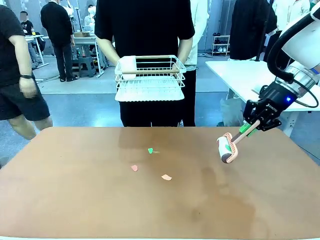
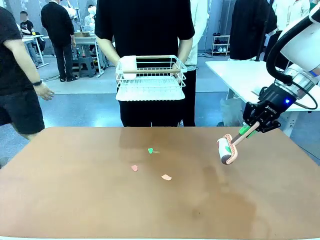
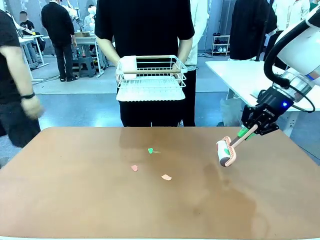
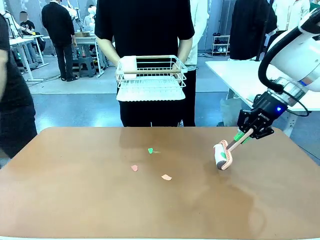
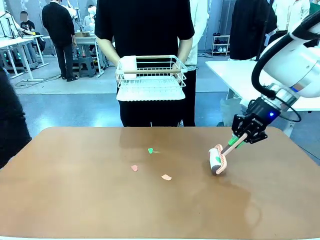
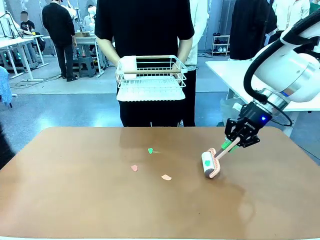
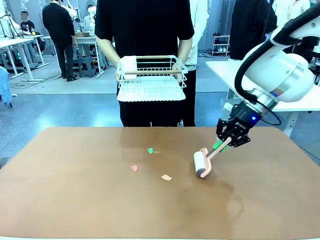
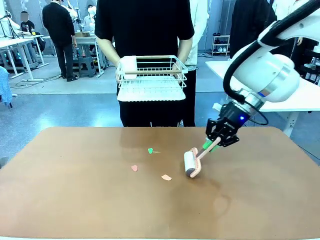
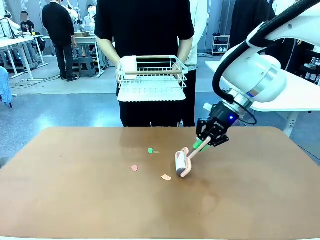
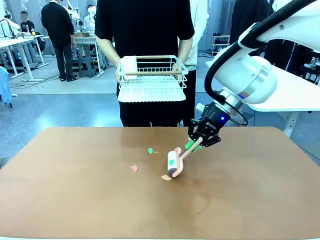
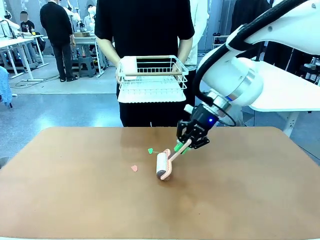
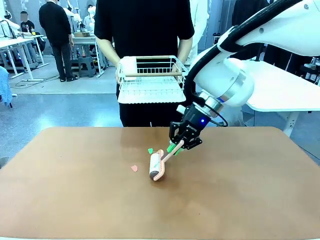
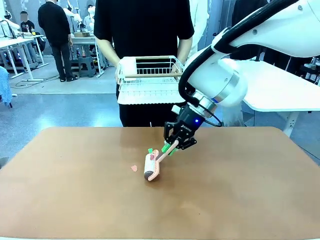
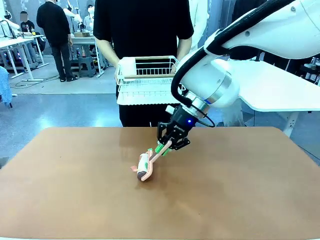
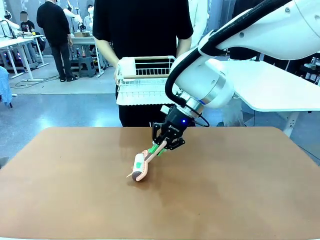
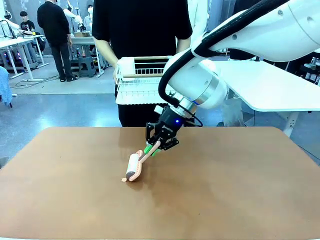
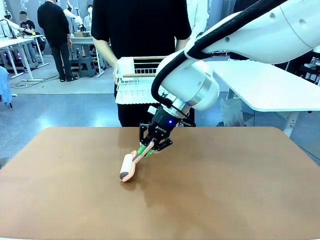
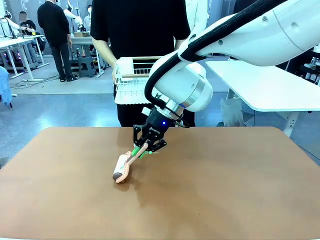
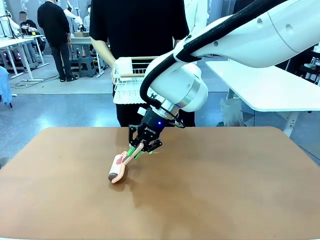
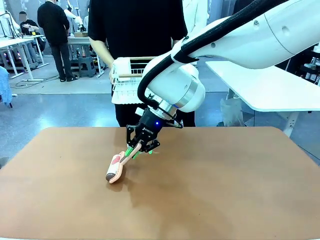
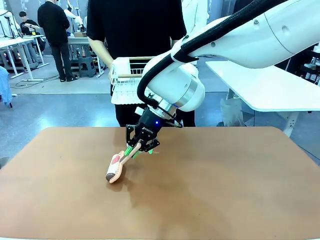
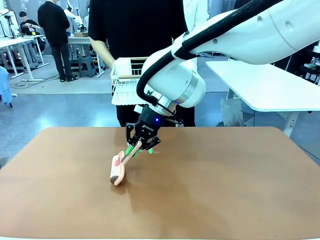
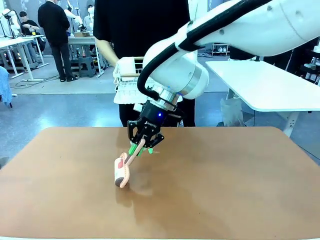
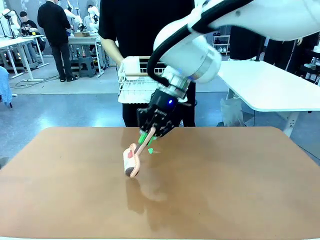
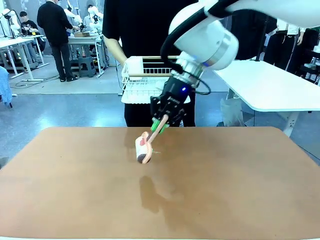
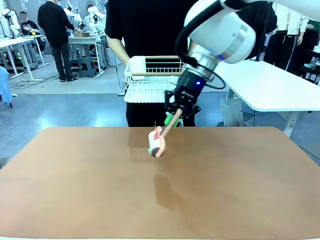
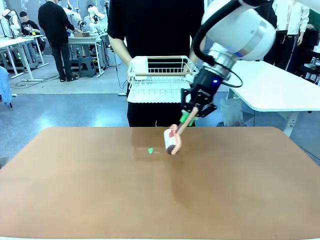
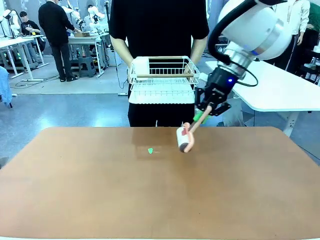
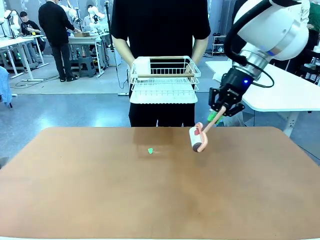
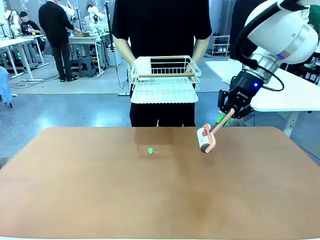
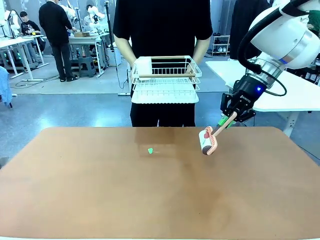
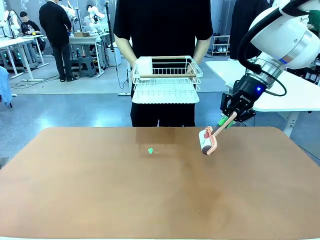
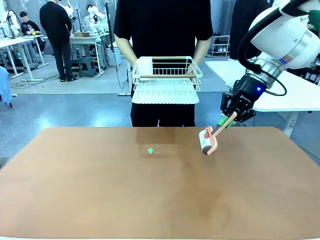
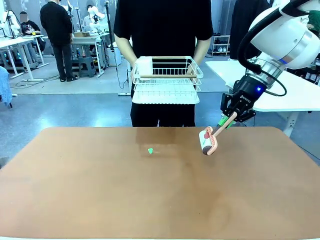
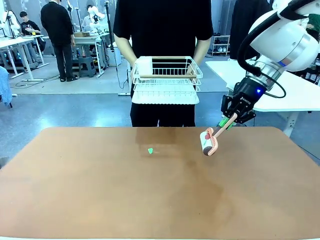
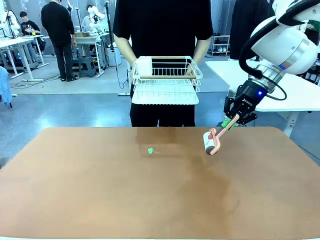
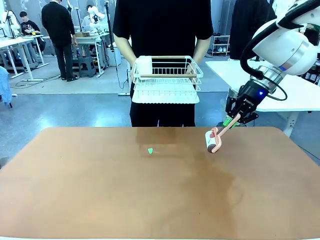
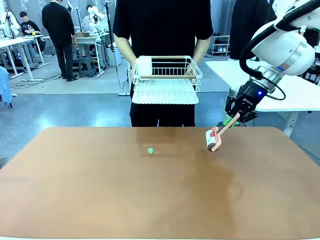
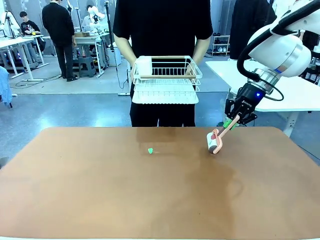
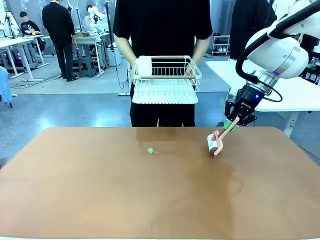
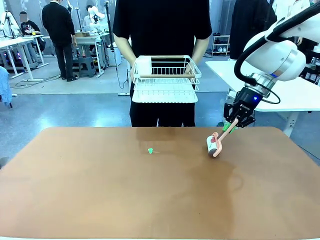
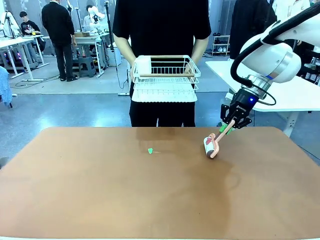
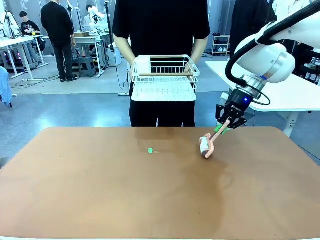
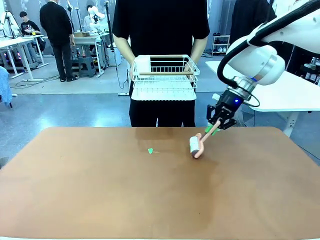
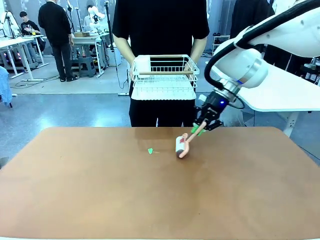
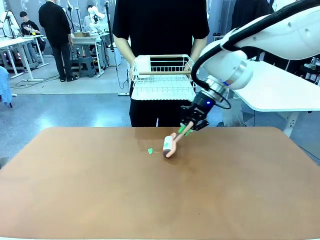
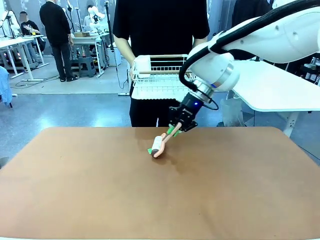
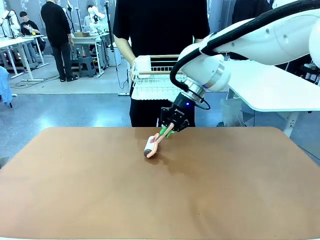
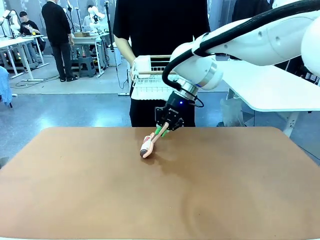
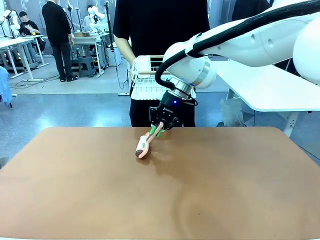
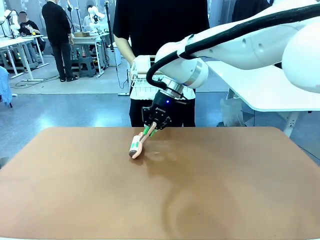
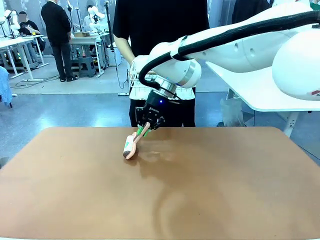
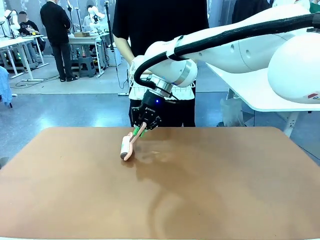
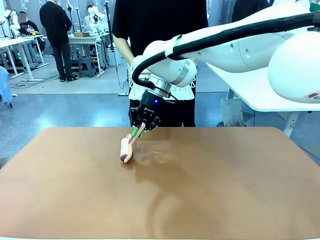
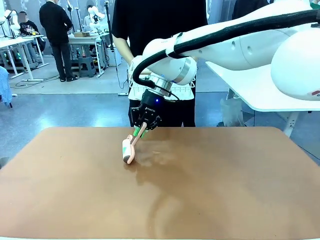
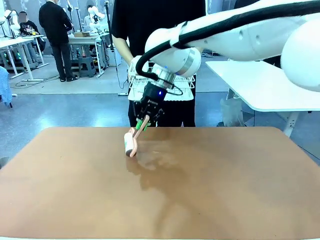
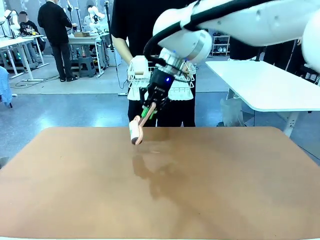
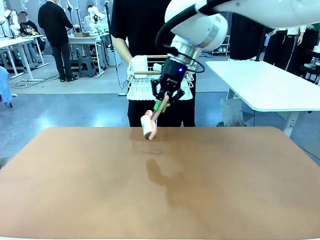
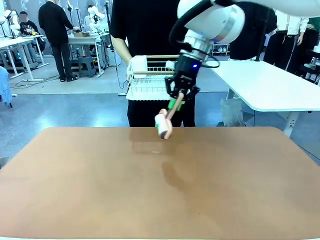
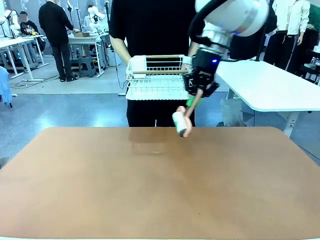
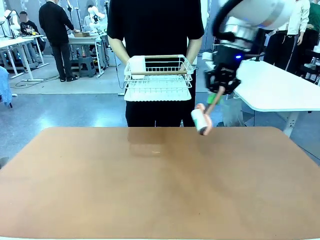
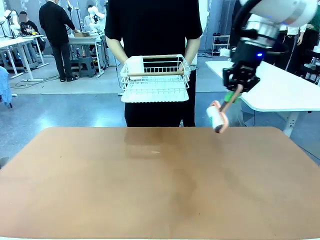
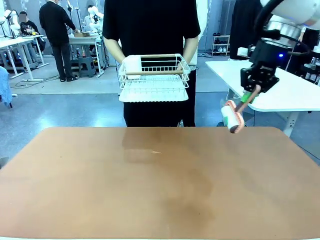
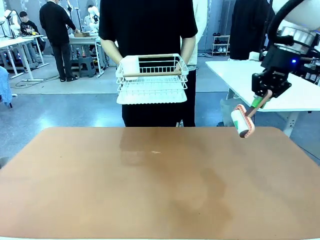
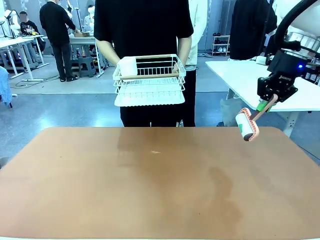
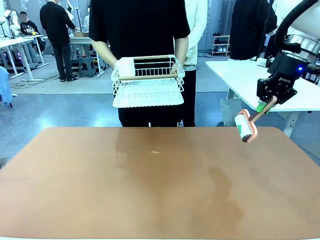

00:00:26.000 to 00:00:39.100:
Task: Clean the table.
Robot: Clean the table with the Lint Roller when the human lifts the Dish drying rack.

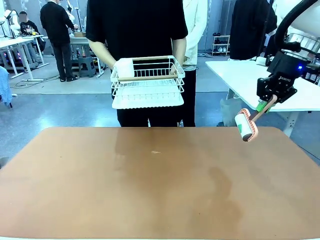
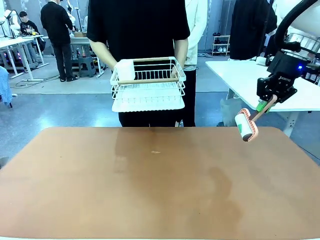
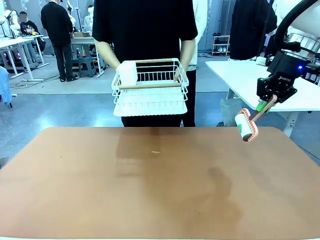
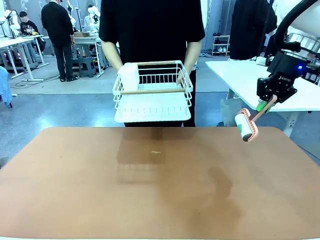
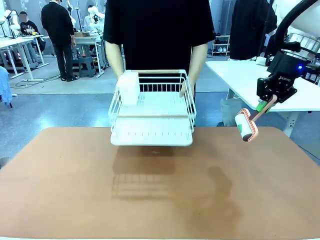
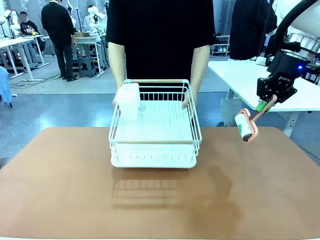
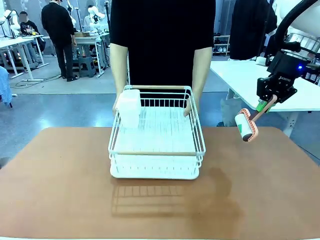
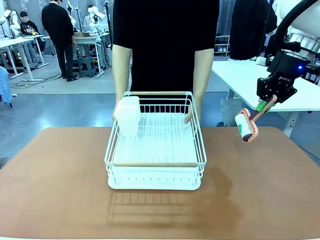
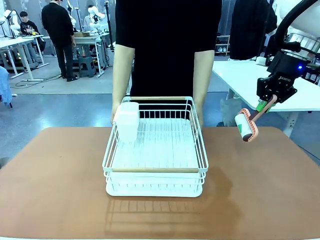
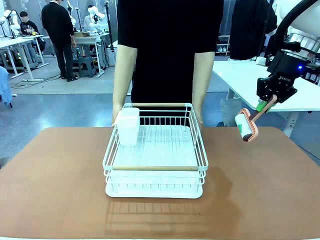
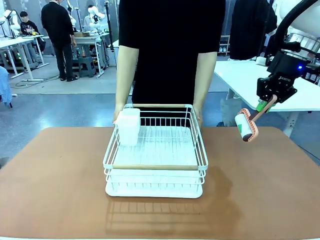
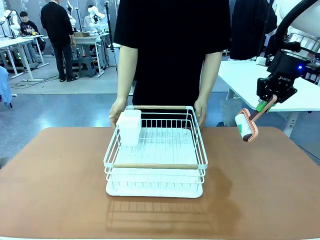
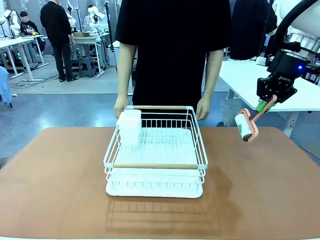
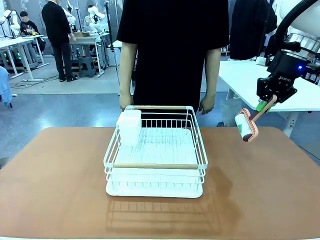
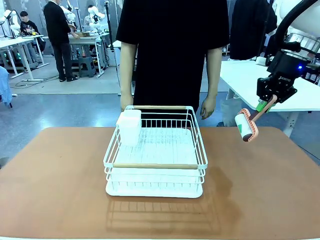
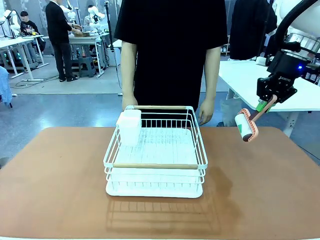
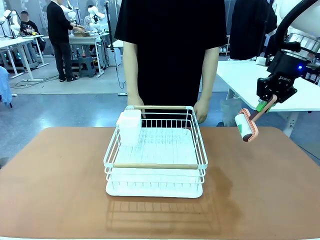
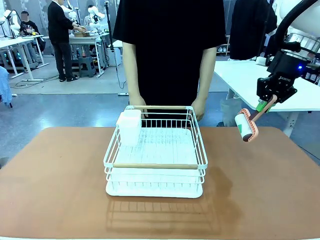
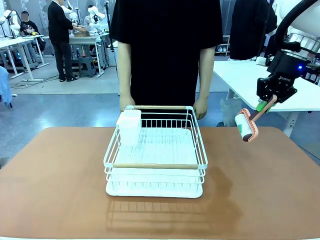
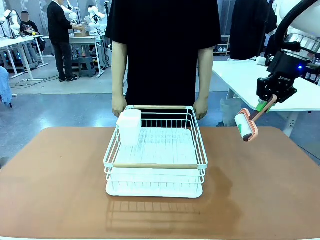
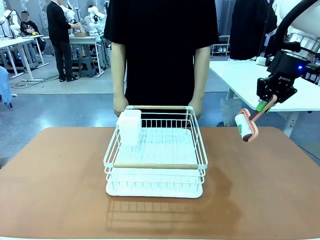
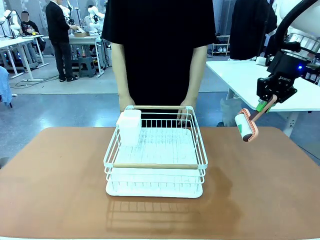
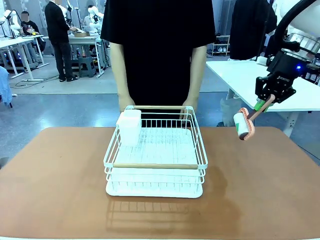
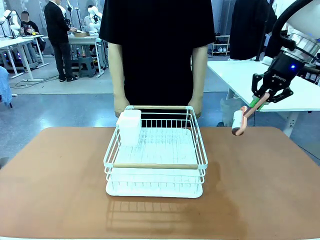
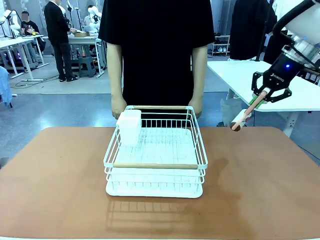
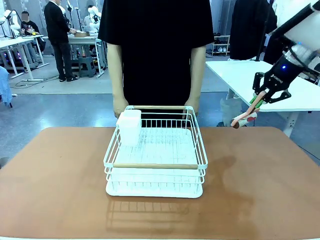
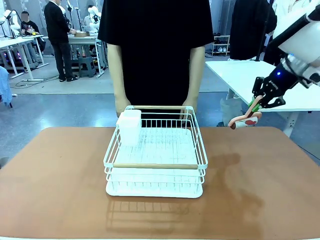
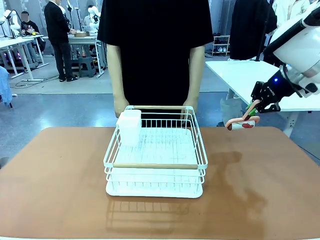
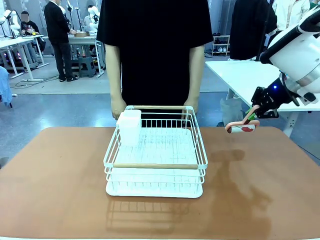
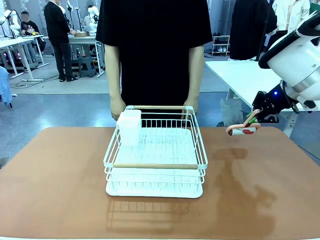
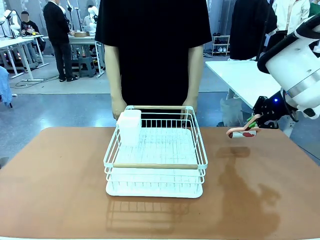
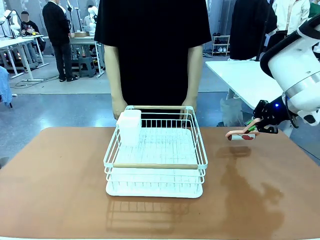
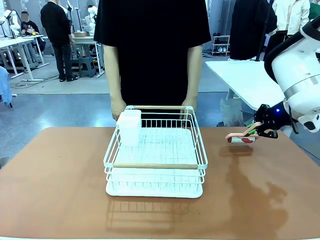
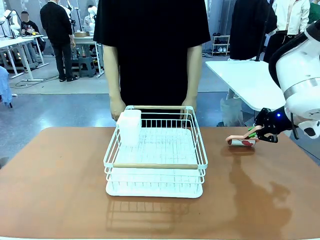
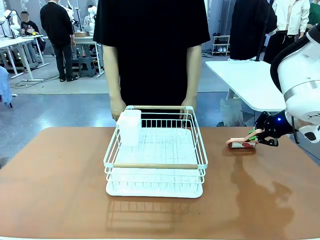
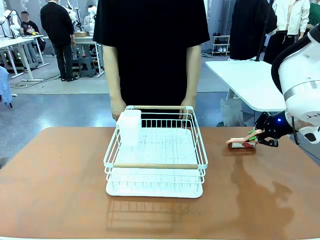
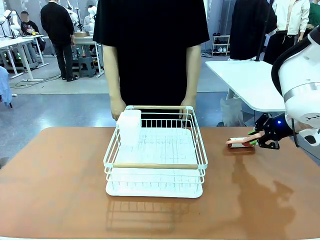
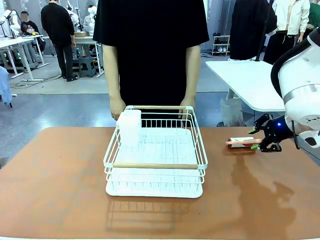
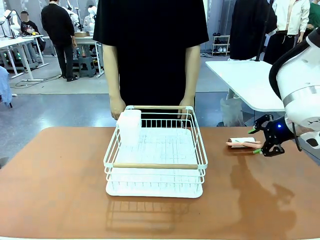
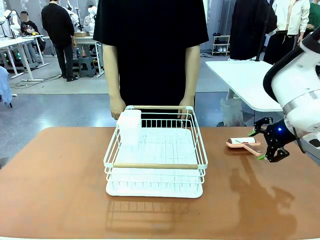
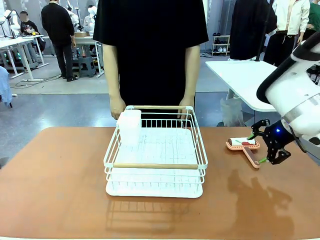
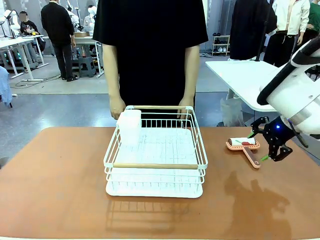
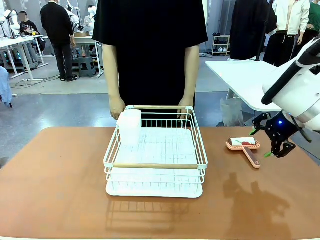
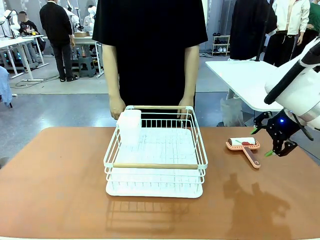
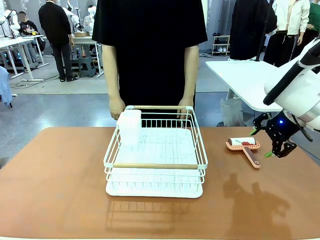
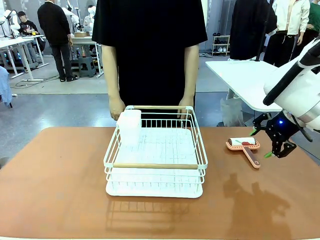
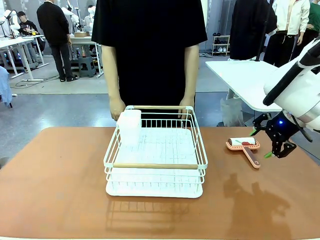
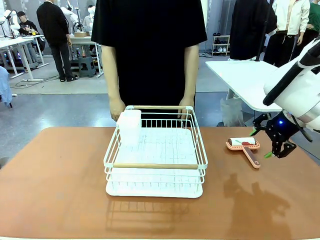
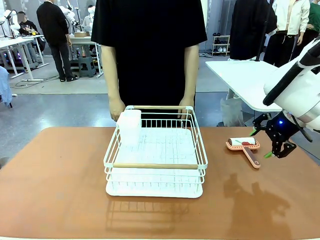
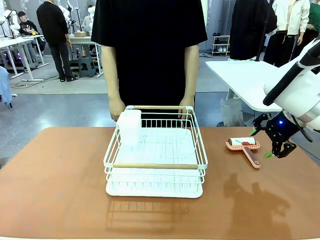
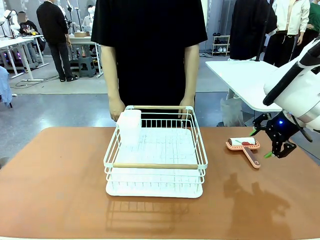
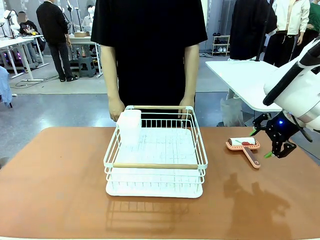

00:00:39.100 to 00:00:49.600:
Robot: Place the Lint Roller down when the Dish drying rack is positioned in the middle of the table.
